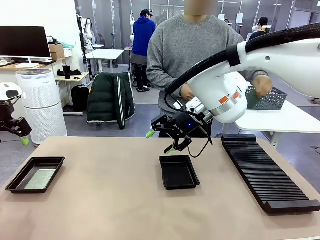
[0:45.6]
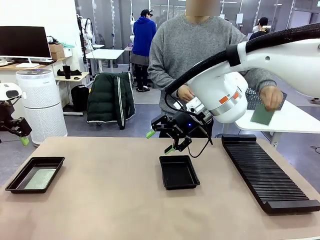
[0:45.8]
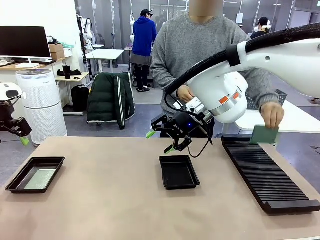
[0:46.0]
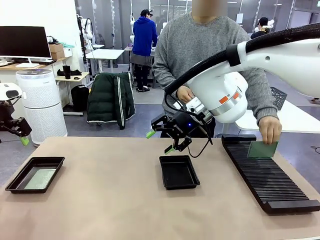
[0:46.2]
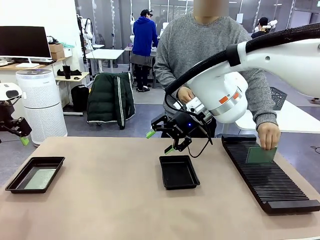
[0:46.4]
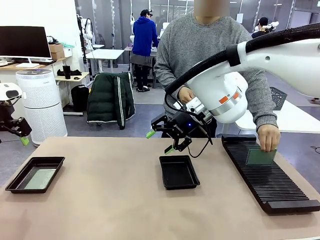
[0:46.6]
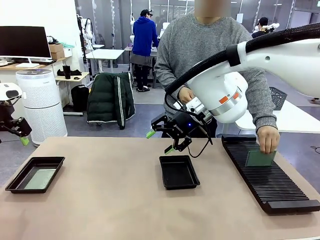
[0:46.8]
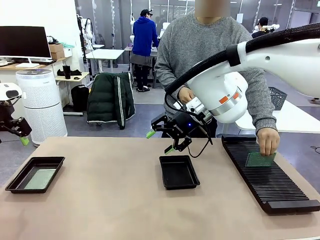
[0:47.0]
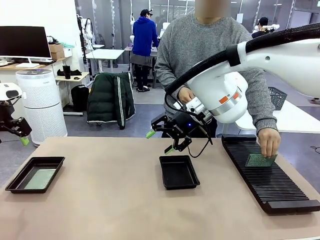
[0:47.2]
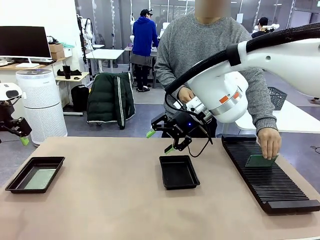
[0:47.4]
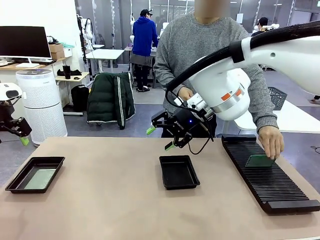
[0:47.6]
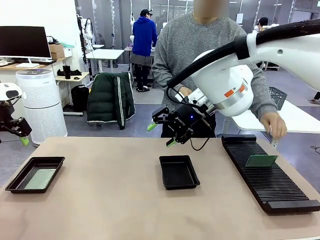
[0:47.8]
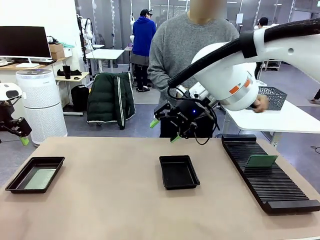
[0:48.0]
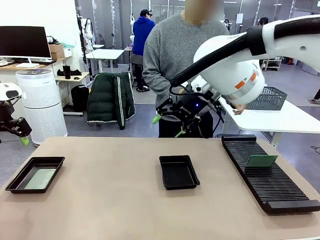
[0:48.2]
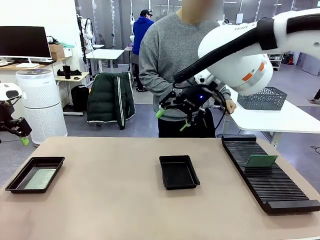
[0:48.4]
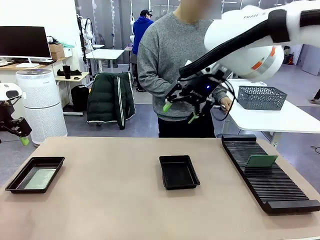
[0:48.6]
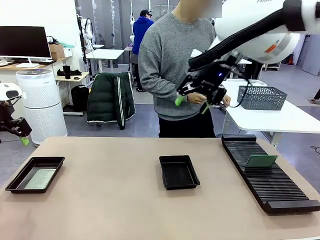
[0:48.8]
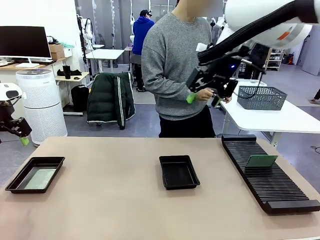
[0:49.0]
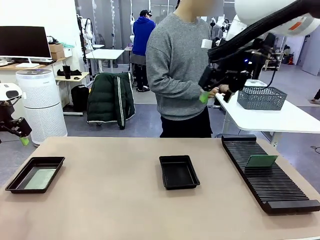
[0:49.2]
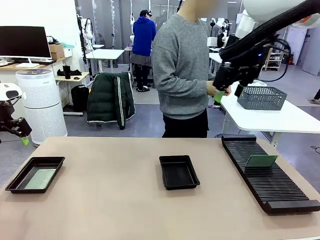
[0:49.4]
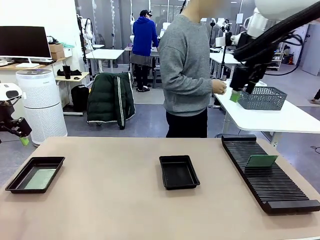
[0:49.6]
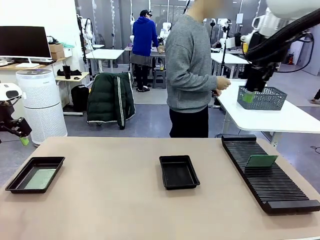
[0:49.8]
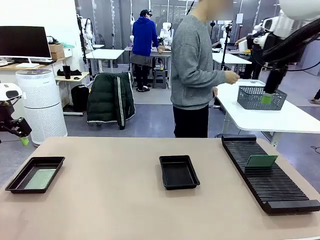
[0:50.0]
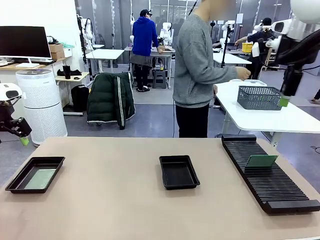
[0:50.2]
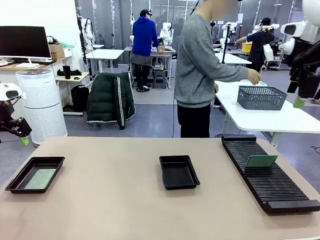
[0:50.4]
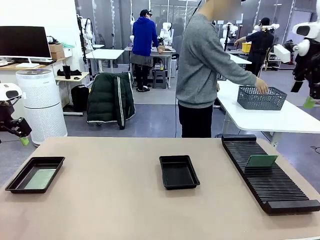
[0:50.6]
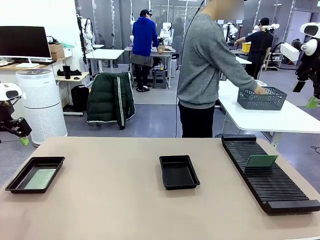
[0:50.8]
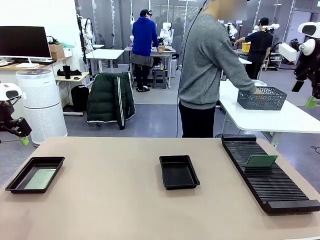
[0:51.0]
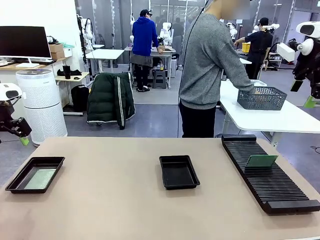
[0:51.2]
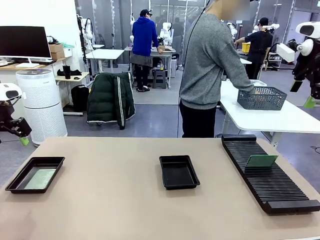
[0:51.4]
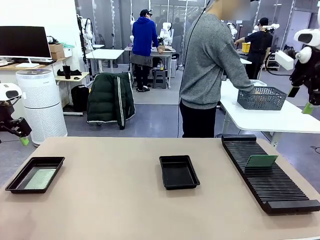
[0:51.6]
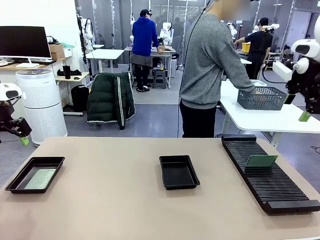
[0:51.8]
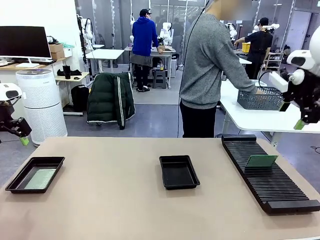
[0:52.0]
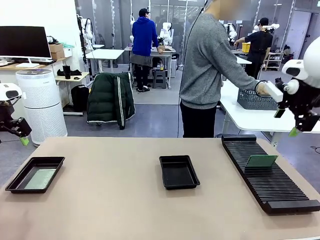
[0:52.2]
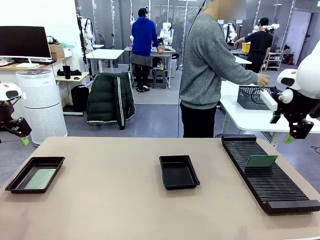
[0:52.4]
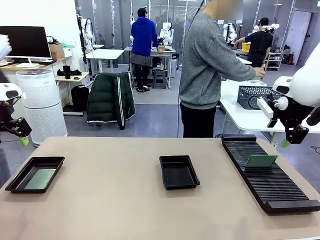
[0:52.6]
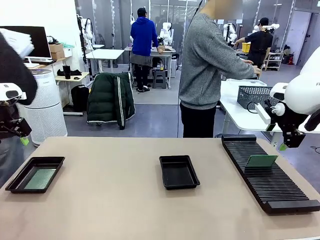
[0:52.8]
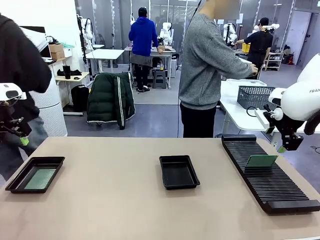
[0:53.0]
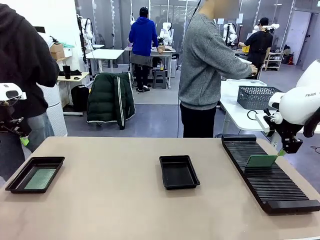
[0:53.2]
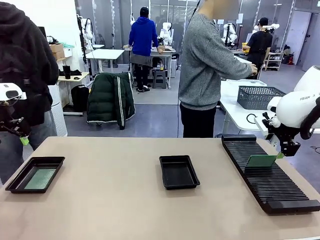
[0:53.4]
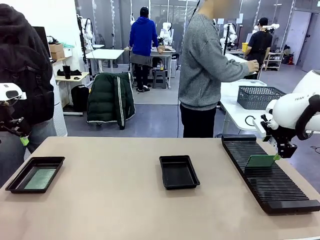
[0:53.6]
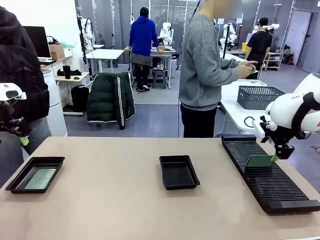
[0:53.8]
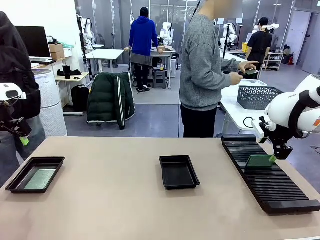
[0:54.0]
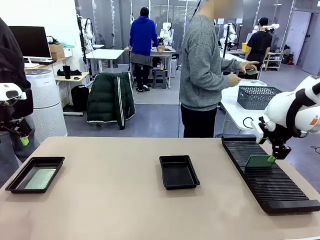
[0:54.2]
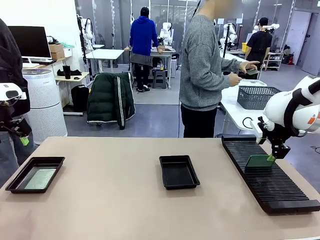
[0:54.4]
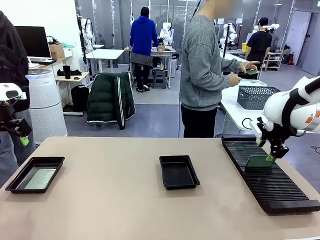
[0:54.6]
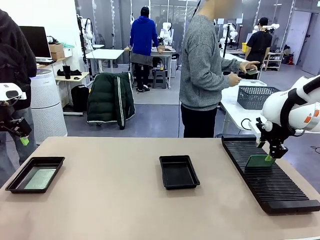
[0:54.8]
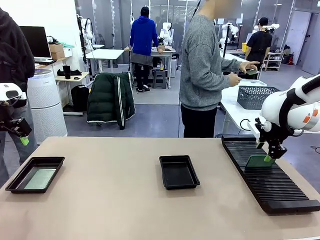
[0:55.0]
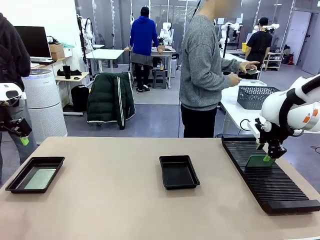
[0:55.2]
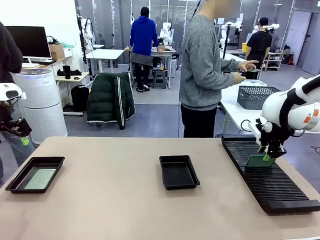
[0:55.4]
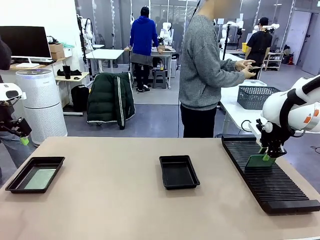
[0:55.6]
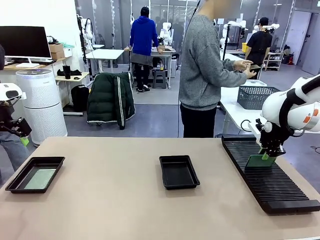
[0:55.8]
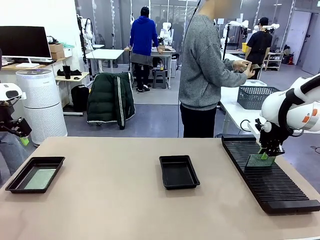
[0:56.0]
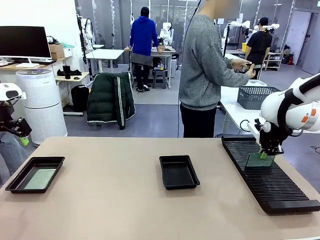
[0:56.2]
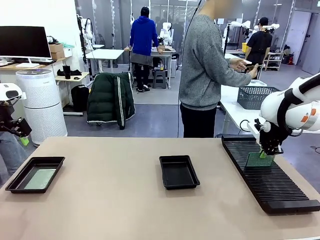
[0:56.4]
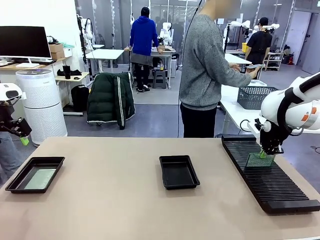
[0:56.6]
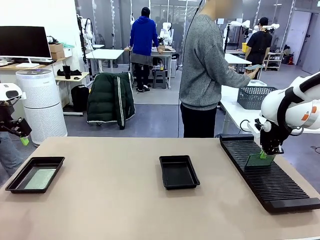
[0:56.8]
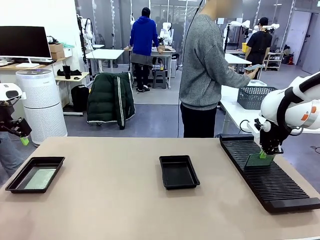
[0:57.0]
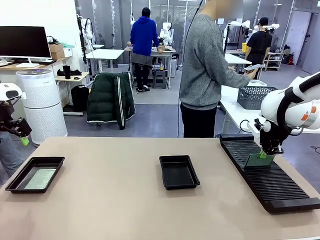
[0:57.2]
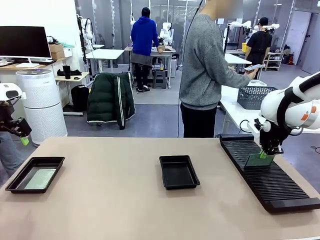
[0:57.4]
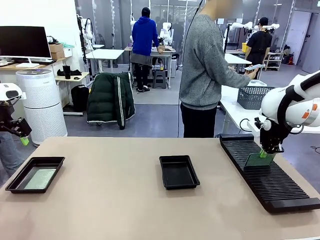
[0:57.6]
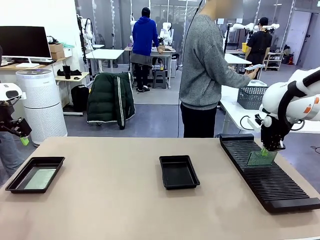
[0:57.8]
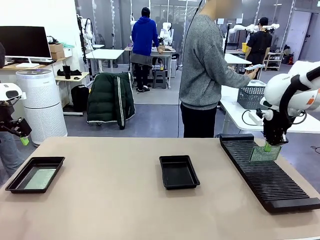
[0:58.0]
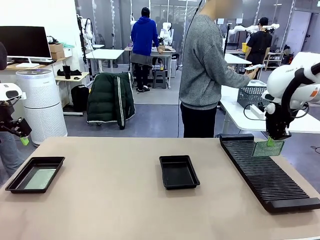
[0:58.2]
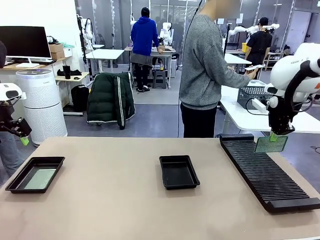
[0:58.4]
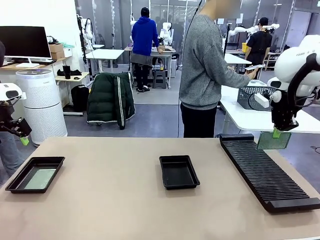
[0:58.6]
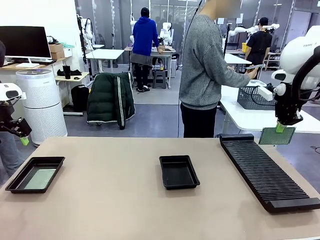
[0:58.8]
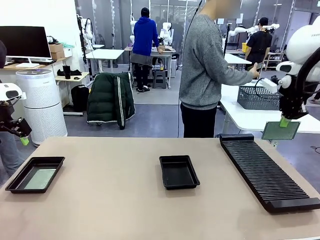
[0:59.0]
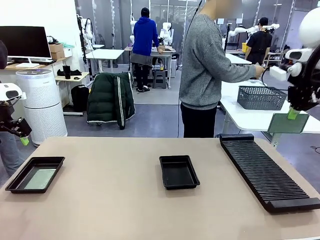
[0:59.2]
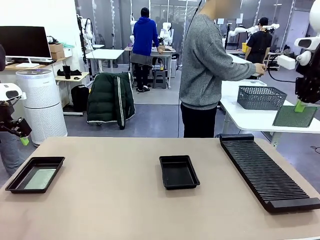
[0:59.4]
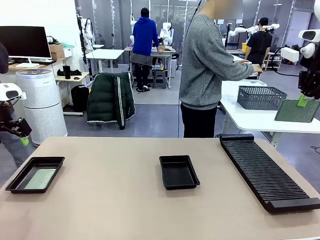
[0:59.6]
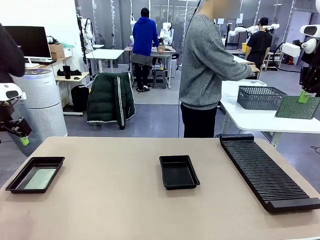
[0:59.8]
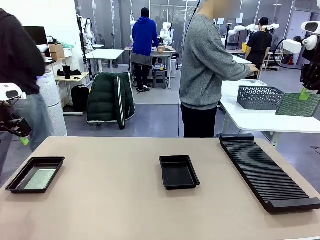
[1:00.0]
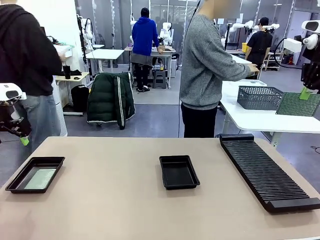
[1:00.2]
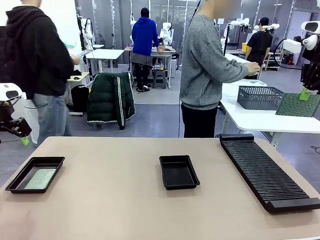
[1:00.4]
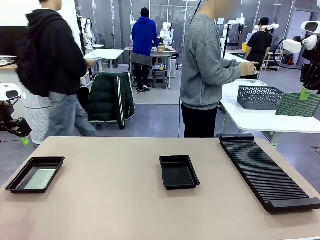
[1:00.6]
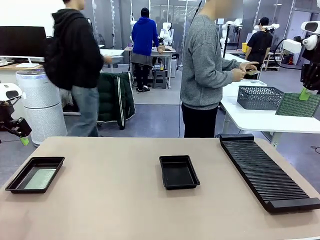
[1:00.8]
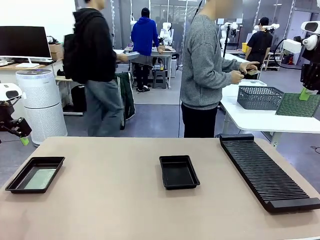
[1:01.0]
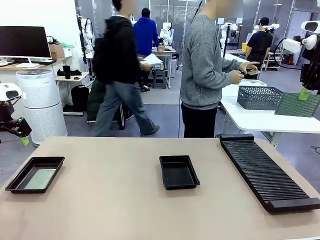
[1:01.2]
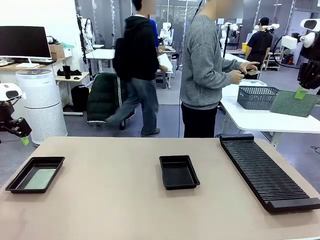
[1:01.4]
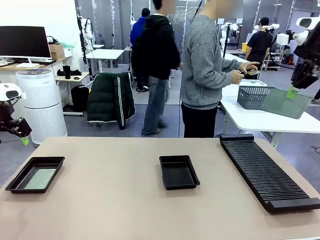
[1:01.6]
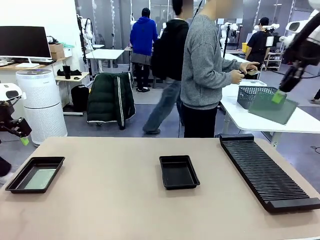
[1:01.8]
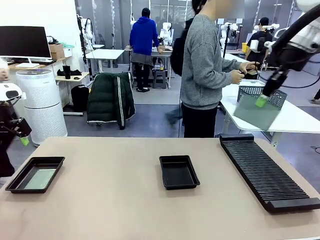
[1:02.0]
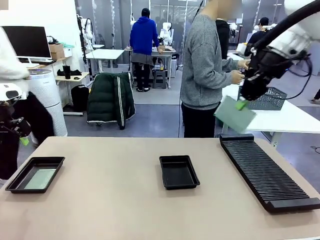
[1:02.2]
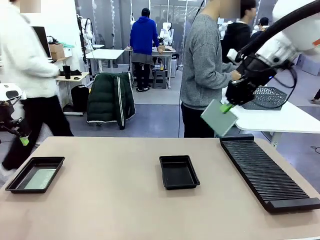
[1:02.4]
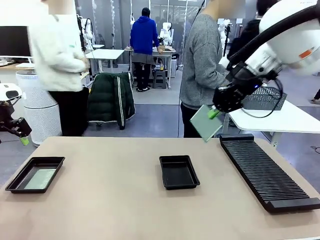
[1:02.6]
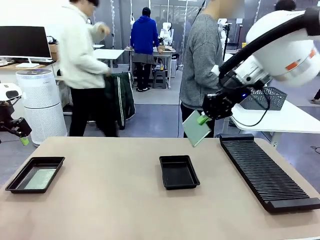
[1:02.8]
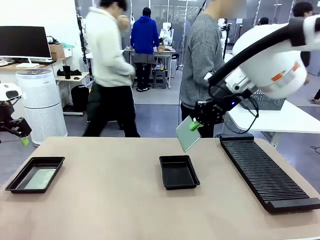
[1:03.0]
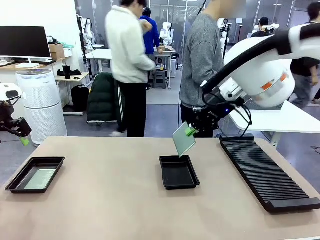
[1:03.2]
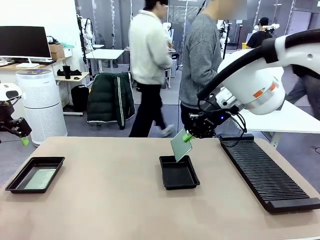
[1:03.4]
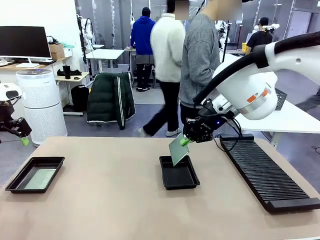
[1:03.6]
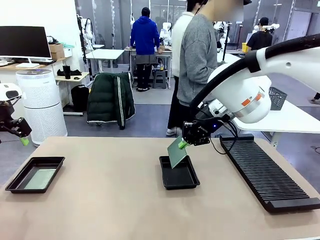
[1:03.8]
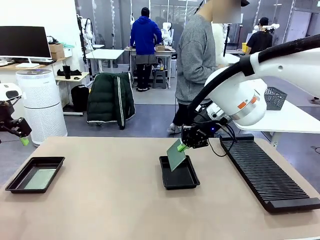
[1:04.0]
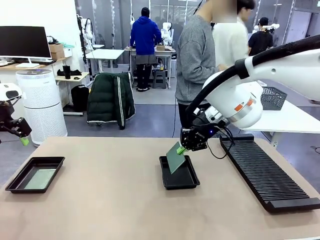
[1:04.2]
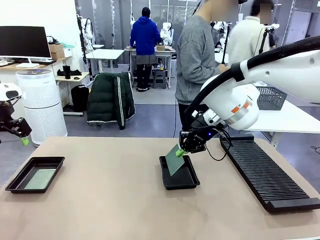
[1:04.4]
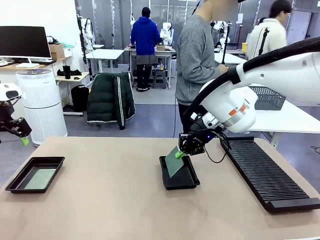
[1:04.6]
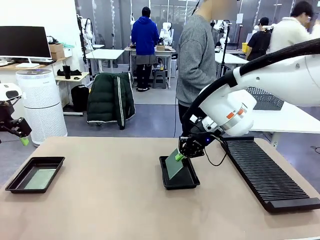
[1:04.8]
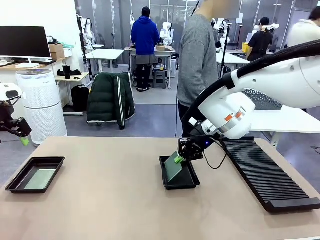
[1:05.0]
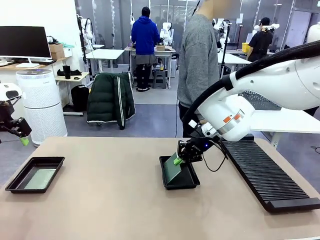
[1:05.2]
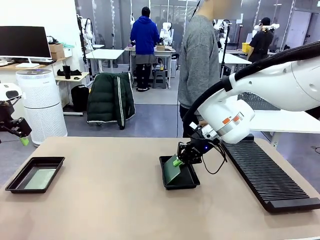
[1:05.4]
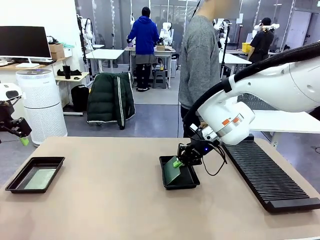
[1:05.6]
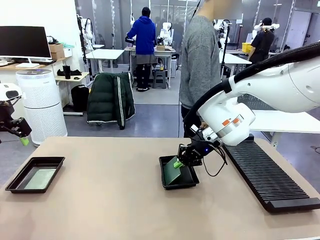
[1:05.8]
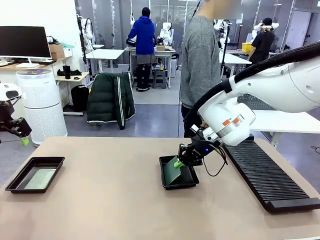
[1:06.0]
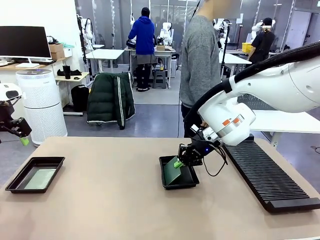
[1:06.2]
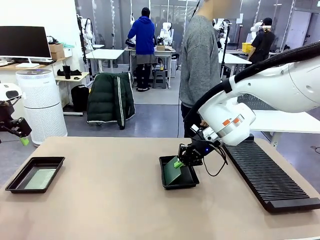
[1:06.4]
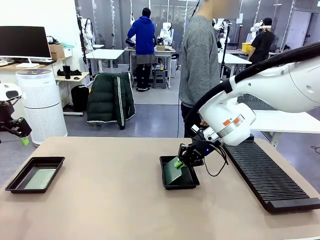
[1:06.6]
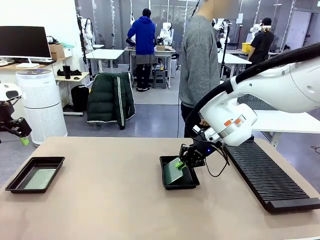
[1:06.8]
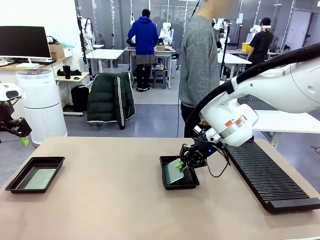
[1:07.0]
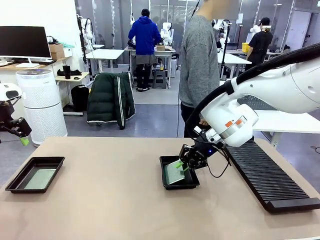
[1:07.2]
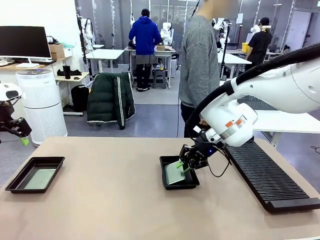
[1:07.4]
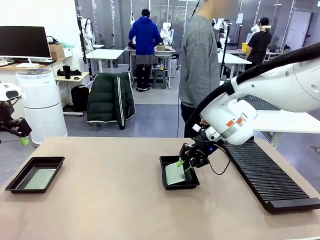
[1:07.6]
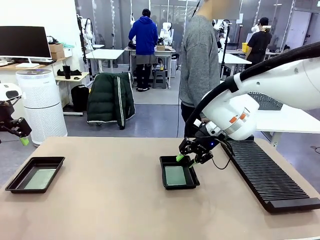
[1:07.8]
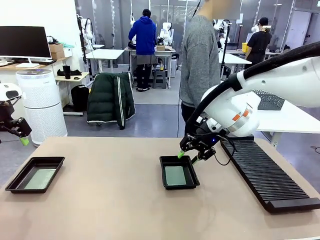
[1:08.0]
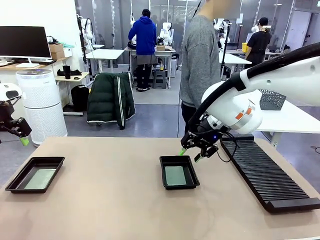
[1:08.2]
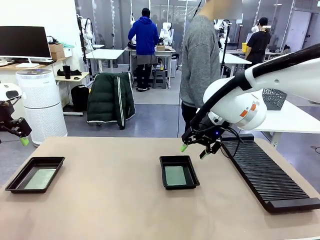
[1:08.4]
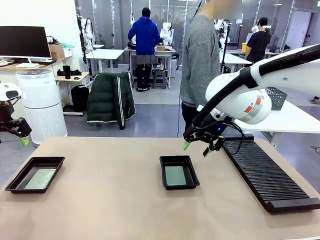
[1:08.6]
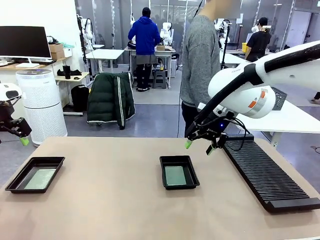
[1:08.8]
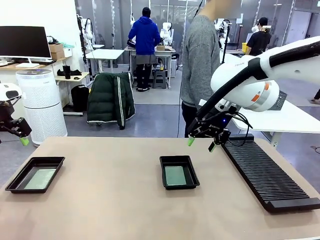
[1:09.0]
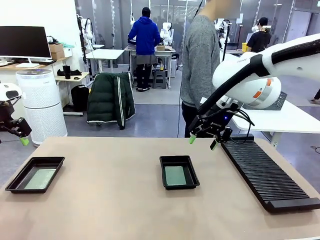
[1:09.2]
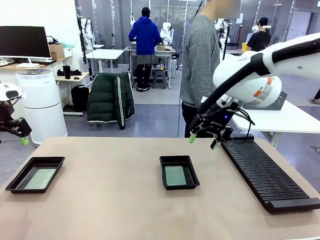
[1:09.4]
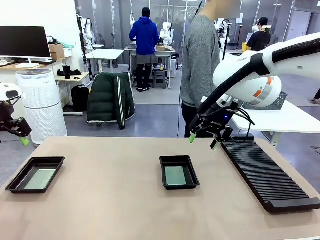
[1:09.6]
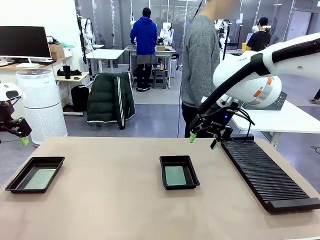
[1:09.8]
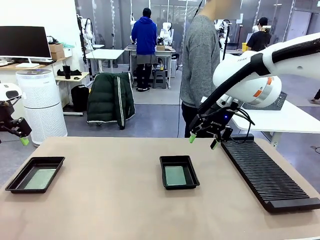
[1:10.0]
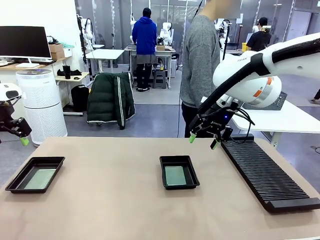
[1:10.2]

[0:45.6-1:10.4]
Task: Inspect and transfer BCBs to ESD trays.
Robot: Pick up the Blank PCB from the PCB Rack and place it in the right ESD tray.
